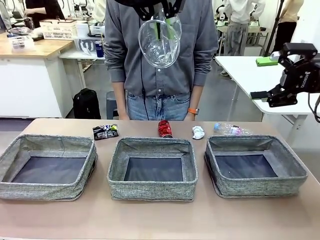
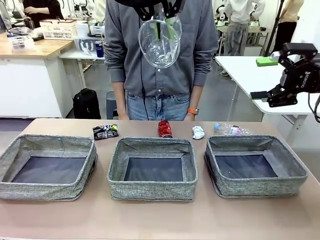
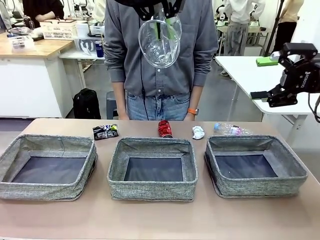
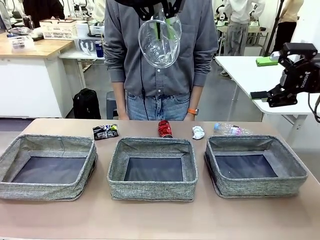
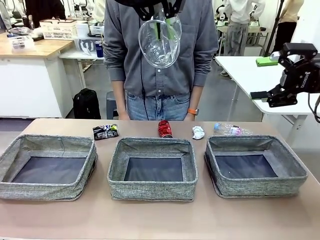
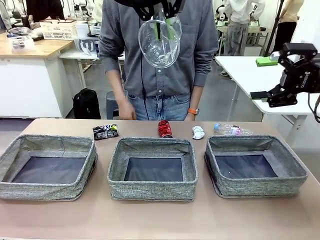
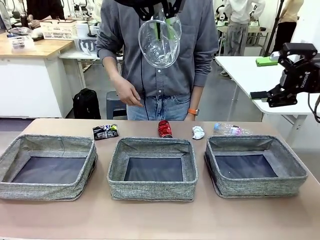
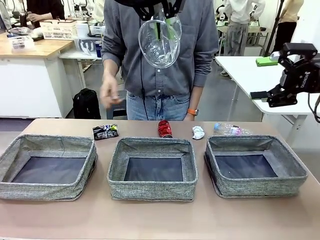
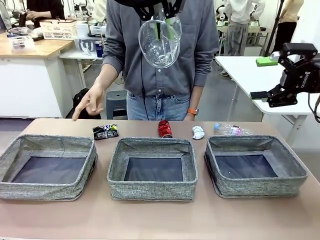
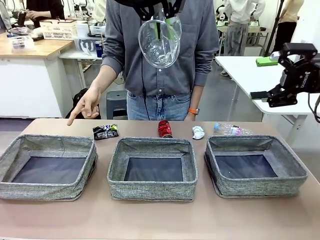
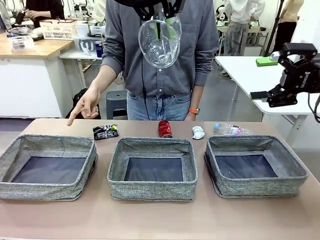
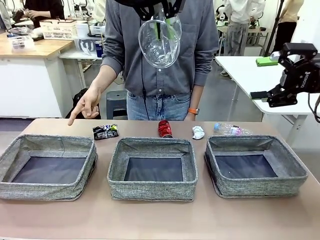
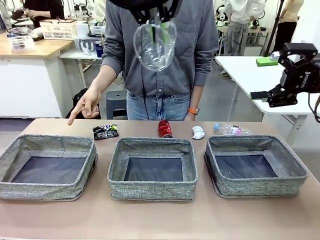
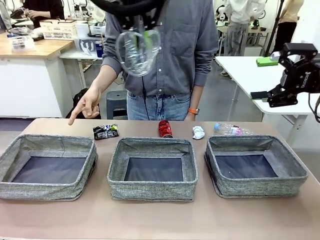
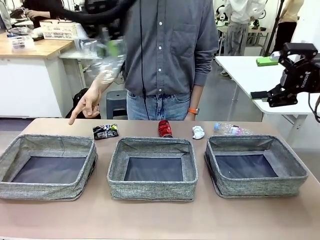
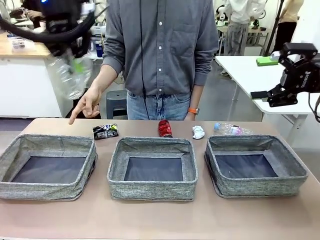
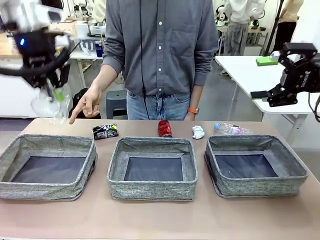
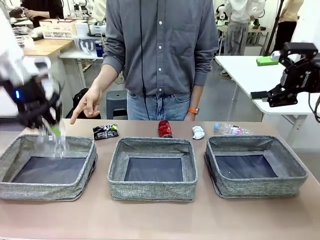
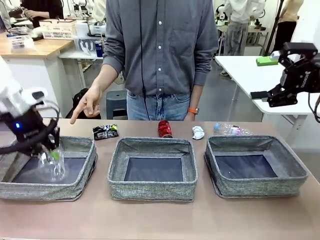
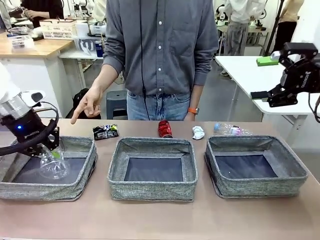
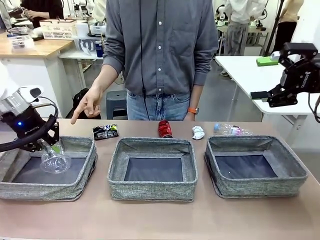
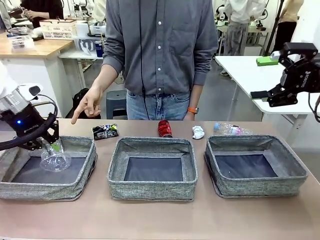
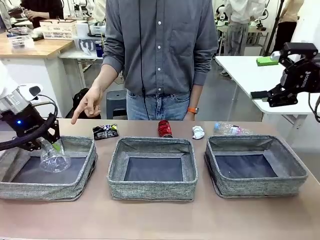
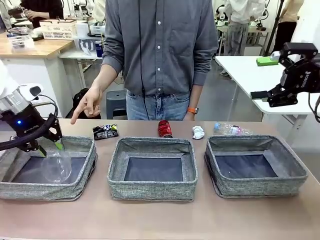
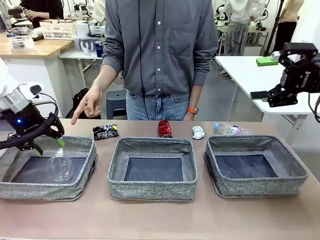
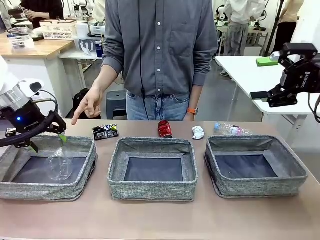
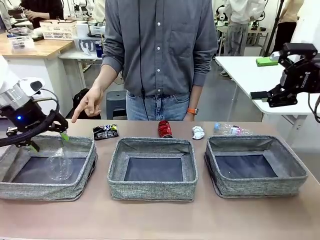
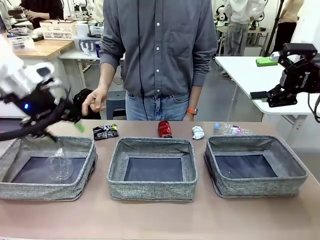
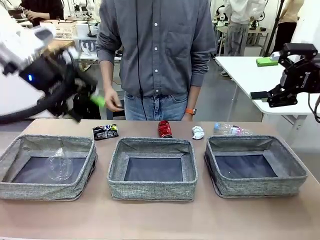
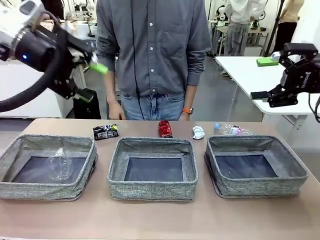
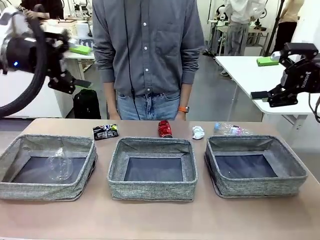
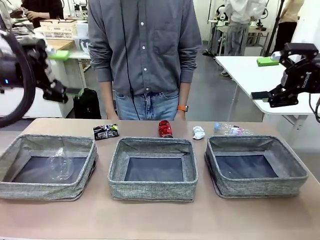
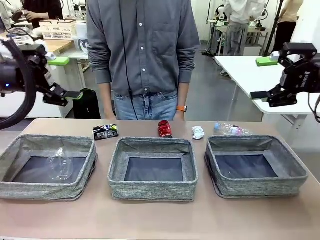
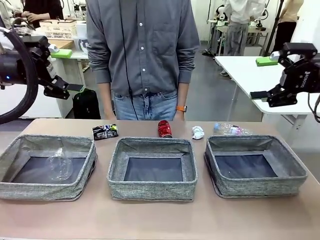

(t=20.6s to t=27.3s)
Task: Sort the waste into the appropriate baskets.
Robot: Place the picked waste into the Fabric basket indicated by the person.
Person: Instructs the robot to place the picked-up trash into the appropriate organizing basket.

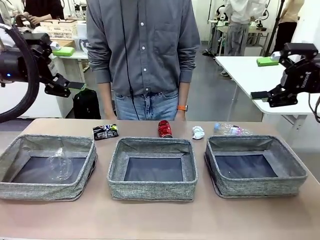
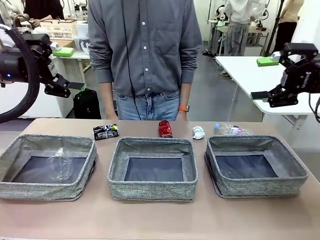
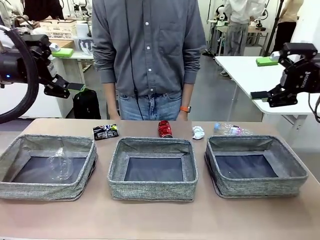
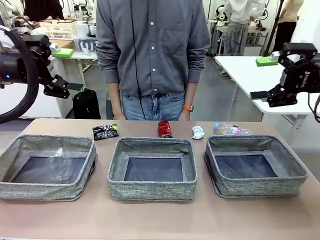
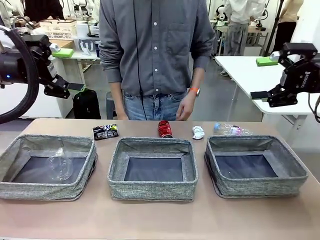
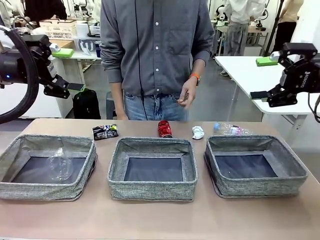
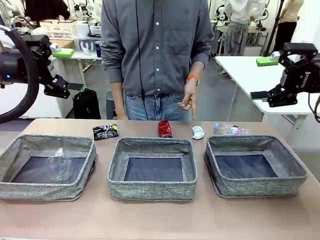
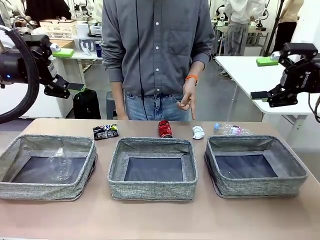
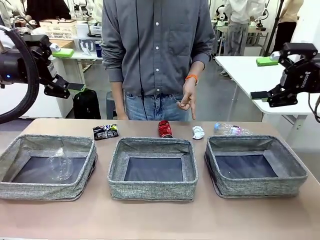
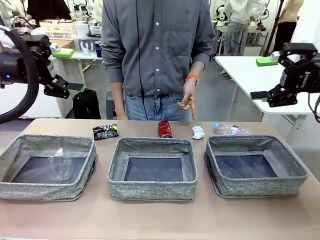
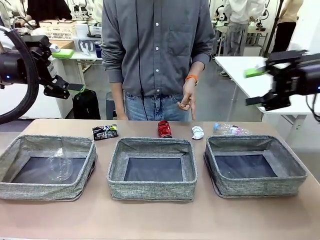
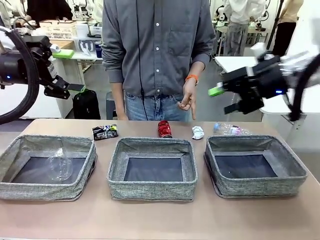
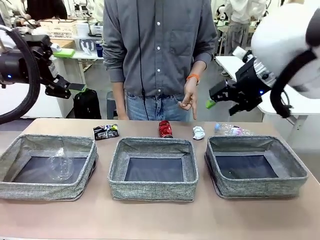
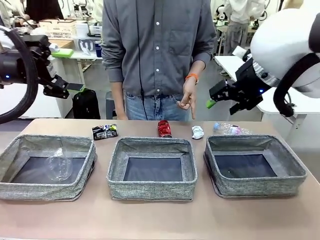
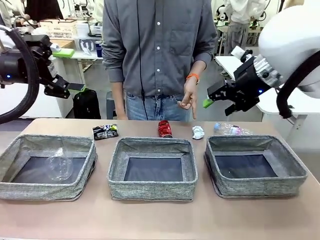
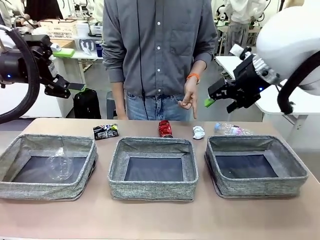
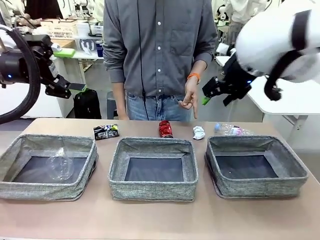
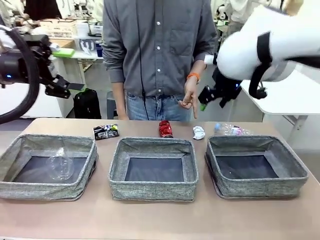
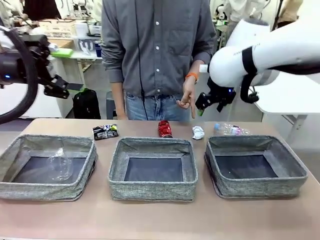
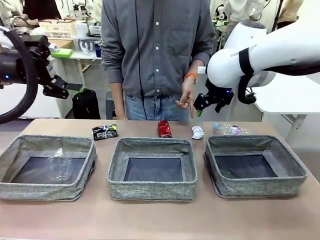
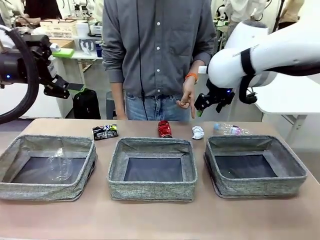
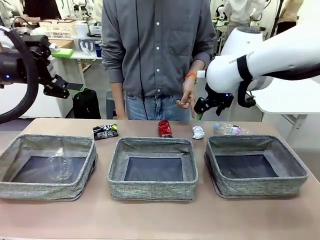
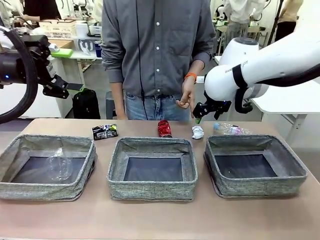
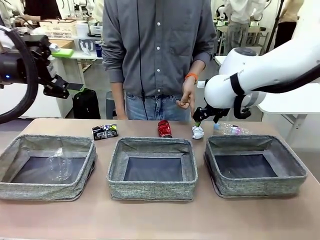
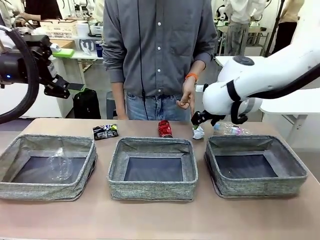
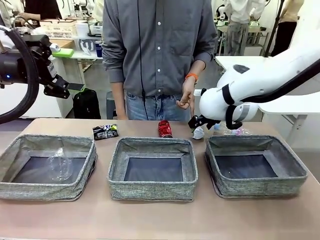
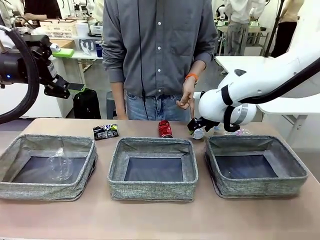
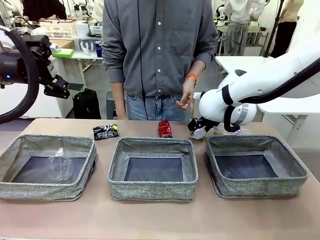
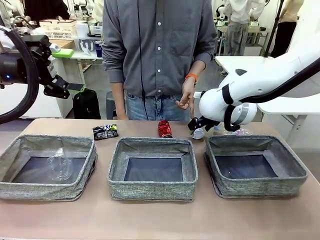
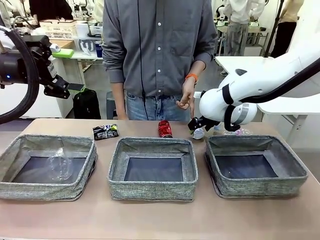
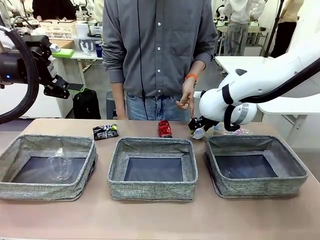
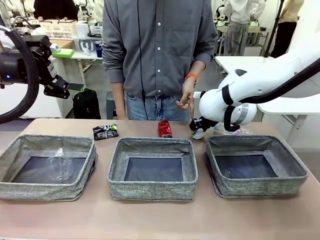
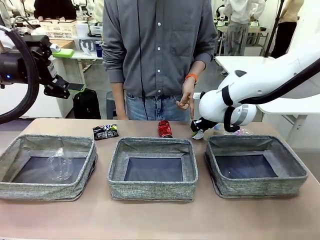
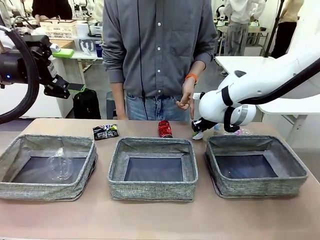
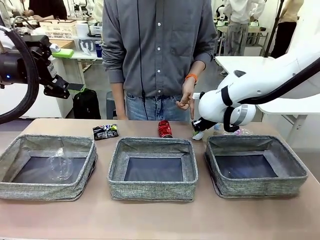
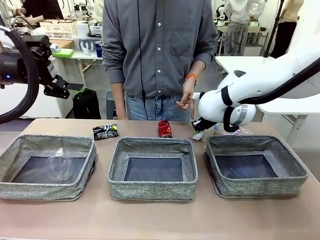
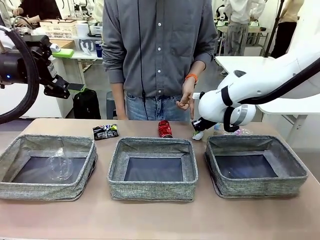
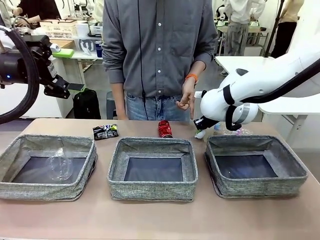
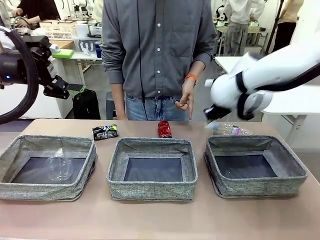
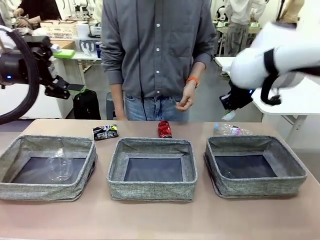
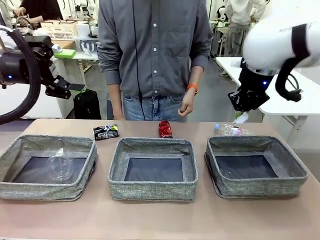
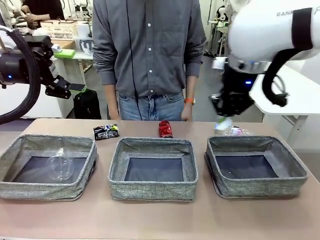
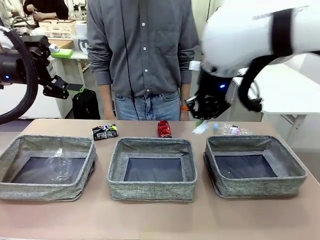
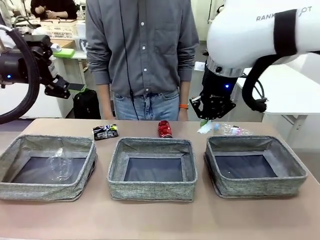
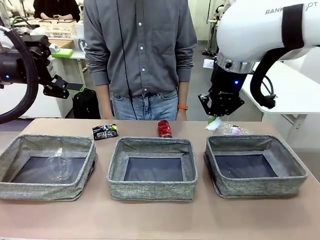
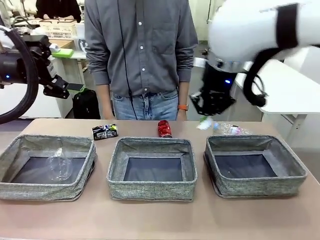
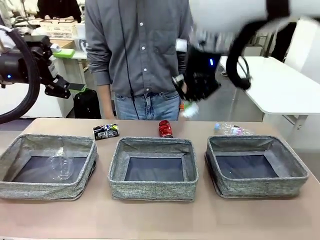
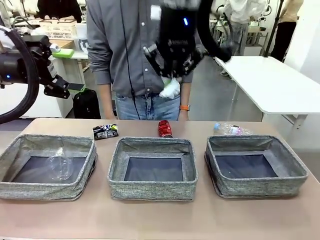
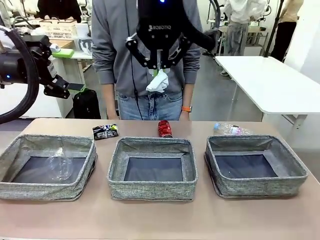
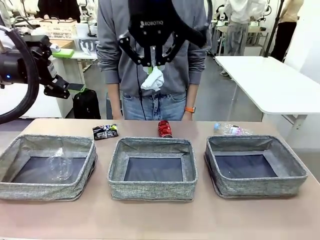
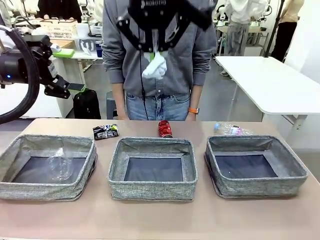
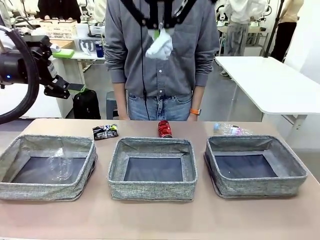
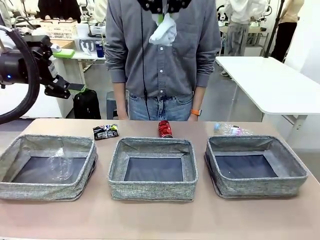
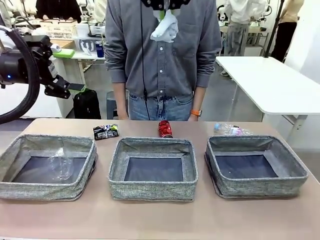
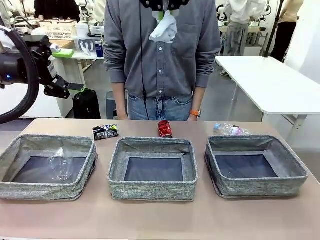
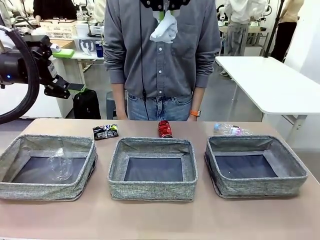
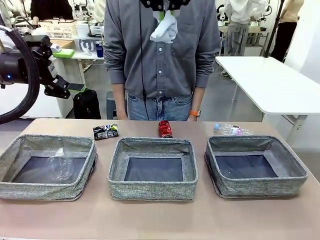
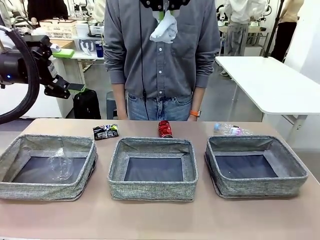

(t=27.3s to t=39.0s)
Robot: Pick up the waste item pointed out by the person.
Person: Points to one piece of trash on the table.
